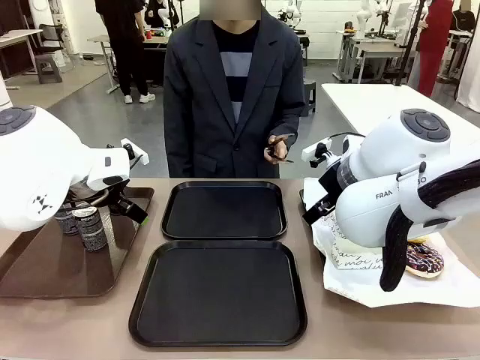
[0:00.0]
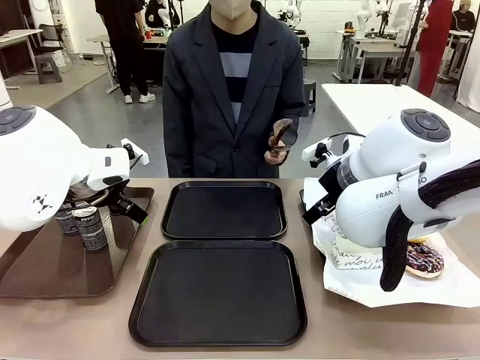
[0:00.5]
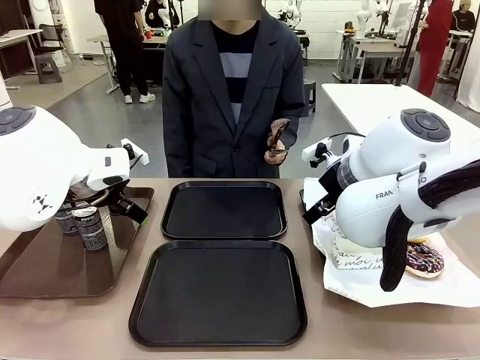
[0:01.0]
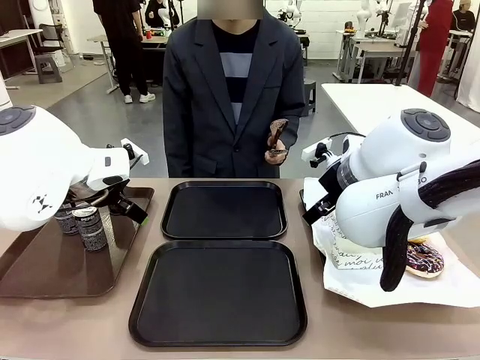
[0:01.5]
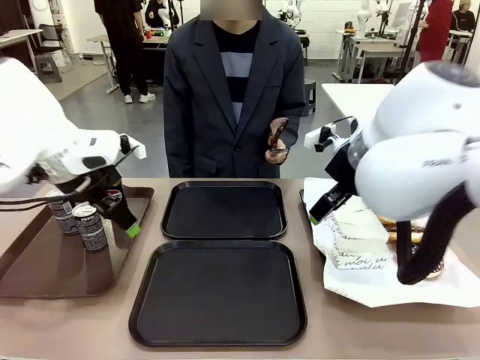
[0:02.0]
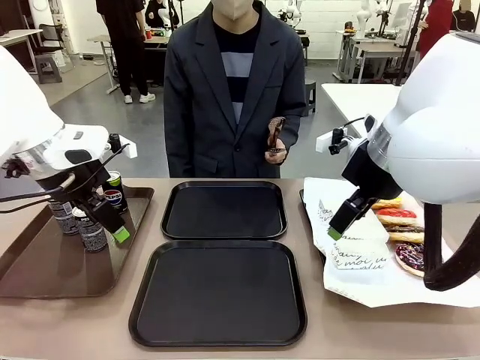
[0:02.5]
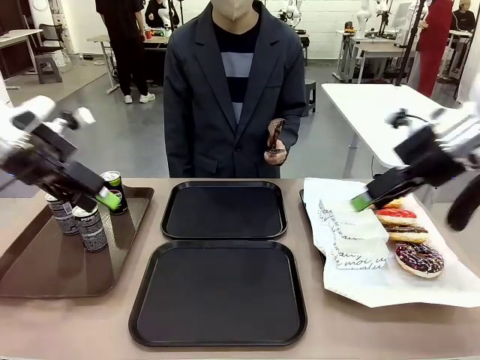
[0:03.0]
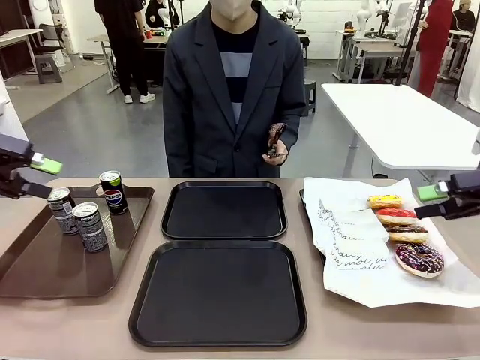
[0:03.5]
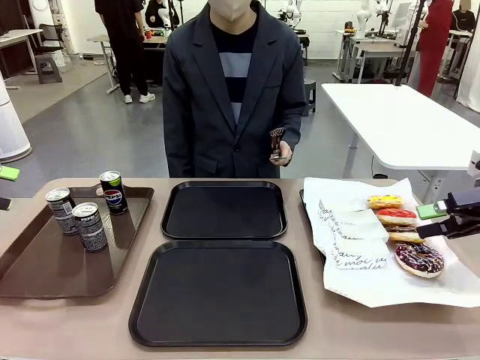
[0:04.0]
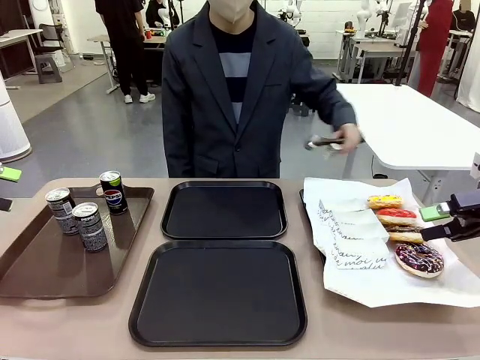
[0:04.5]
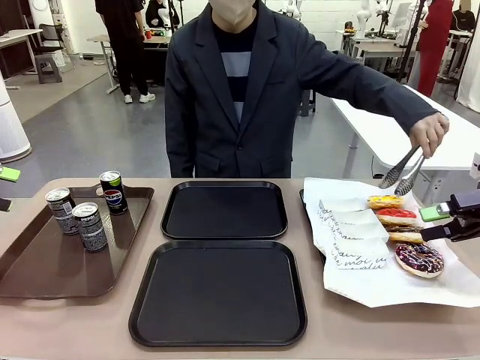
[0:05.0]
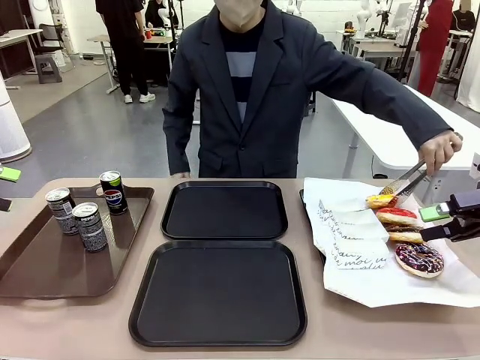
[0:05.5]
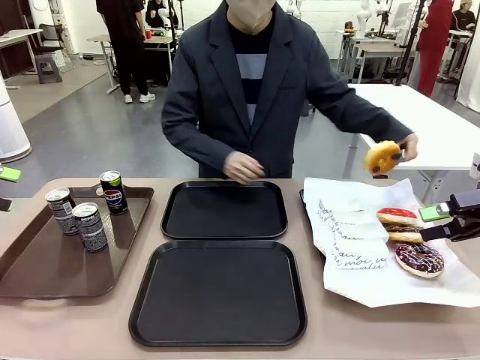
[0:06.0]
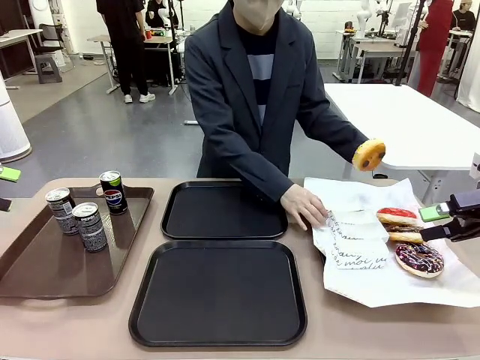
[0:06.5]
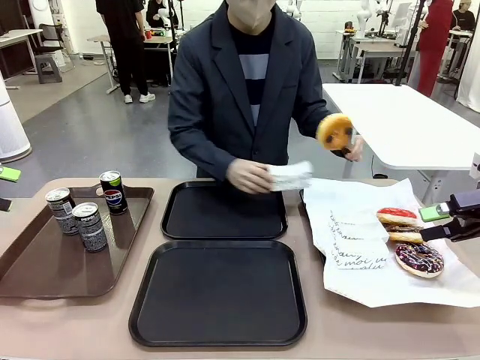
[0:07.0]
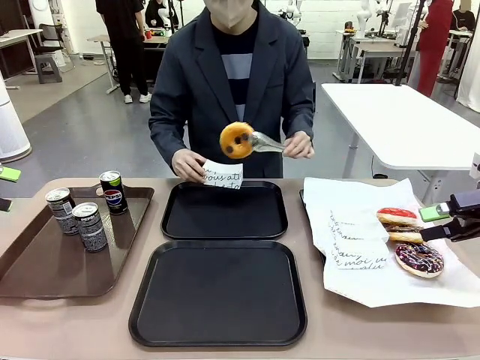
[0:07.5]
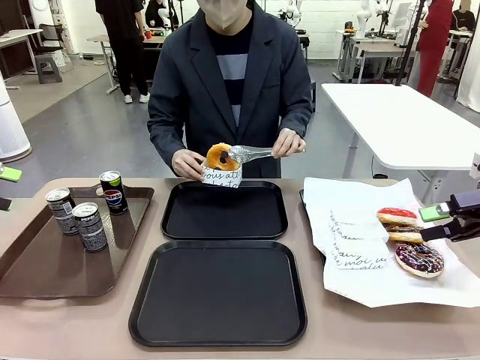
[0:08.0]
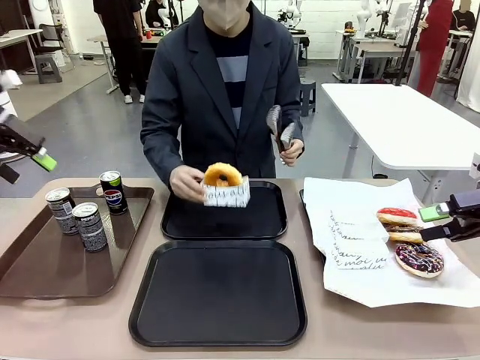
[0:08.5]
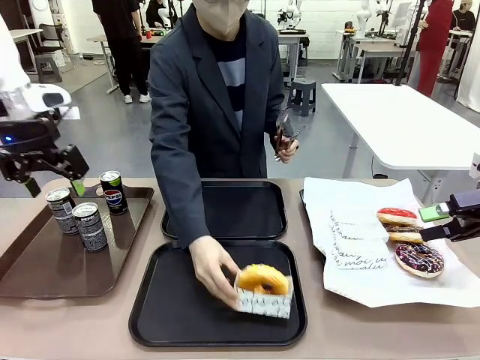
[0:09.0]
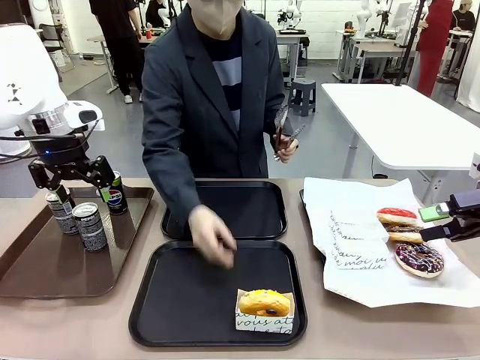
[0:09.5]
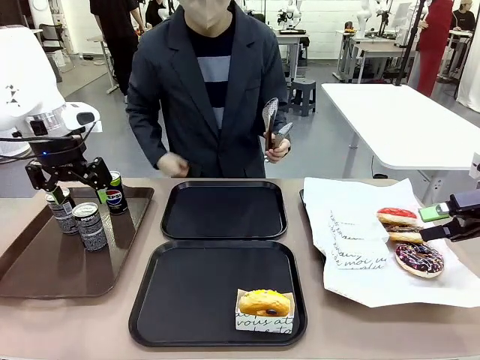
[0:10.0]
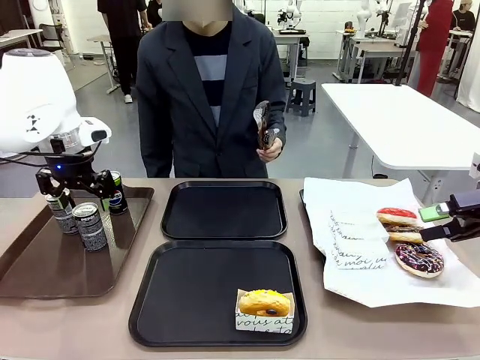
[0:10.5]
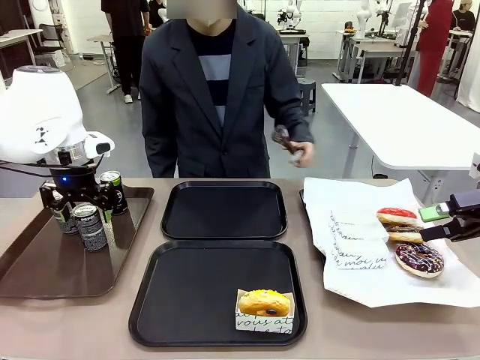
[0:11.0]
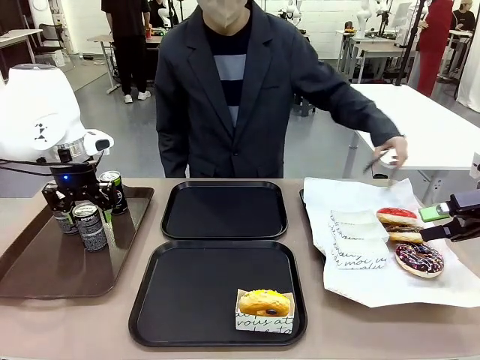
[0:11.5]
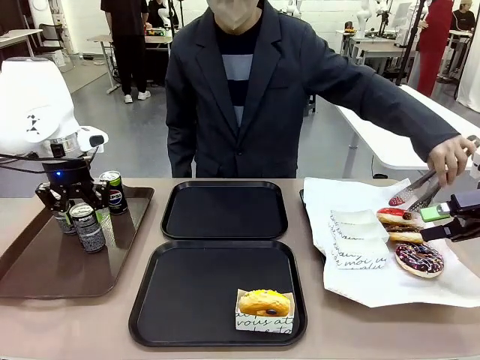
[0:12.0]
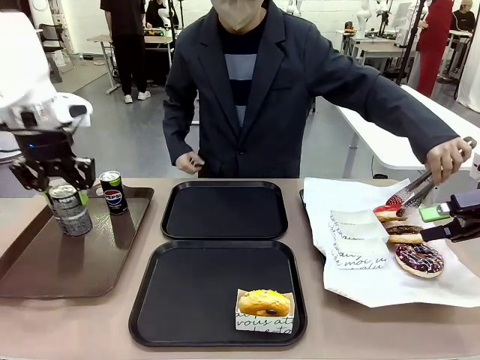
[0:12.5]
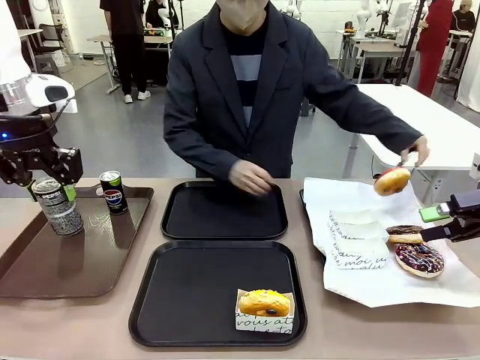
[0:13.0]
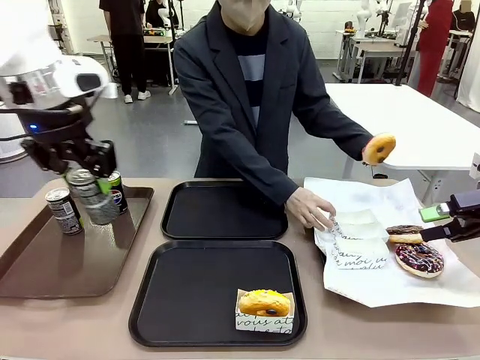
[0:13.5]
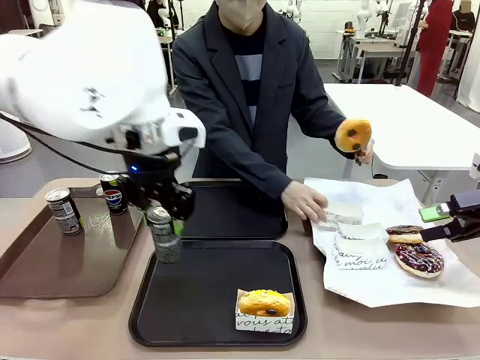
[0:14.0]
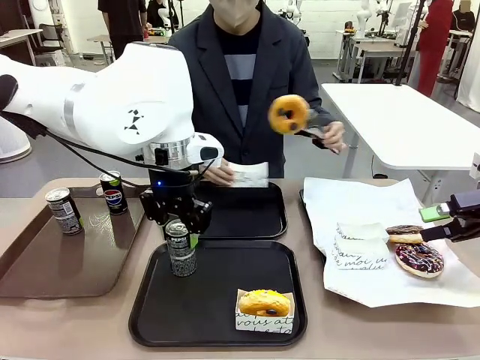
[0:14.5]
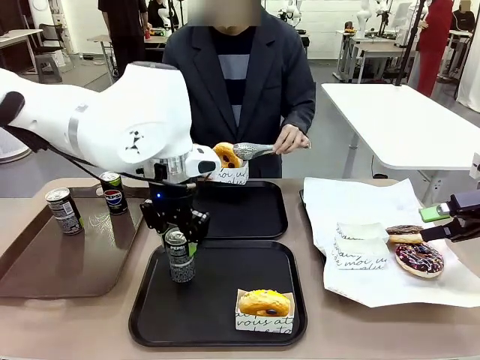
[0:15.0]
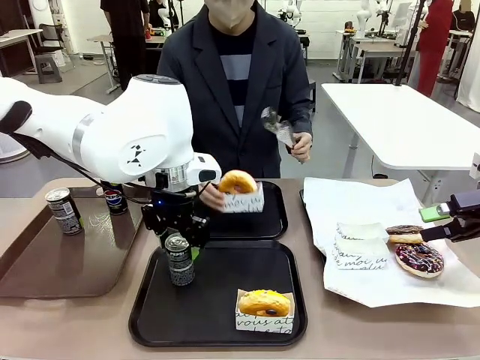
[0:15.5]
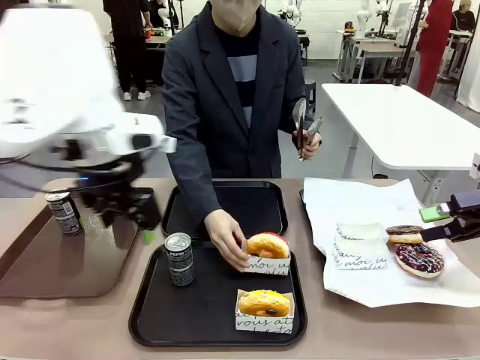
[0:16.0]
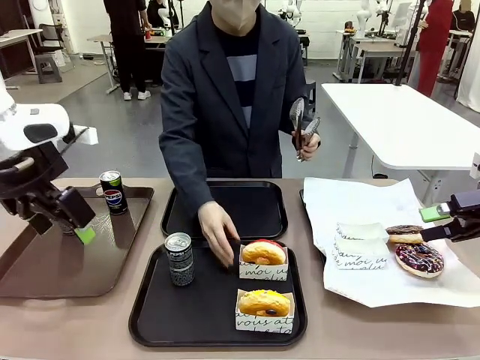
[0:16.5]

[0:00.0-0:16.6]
Task: Set up donuts and drinks on trays.
Robot: Pick up one Pepsi coke and place it on the Flat Tray.
